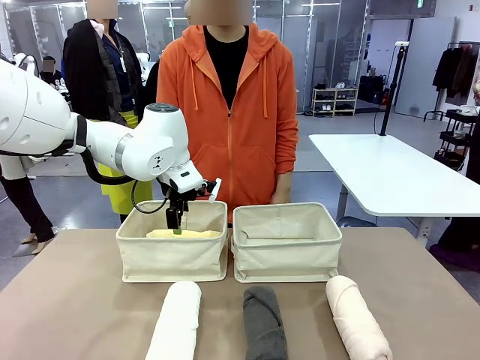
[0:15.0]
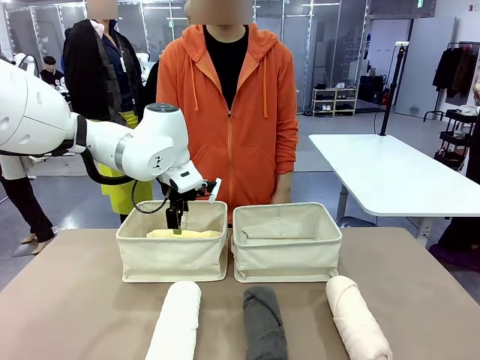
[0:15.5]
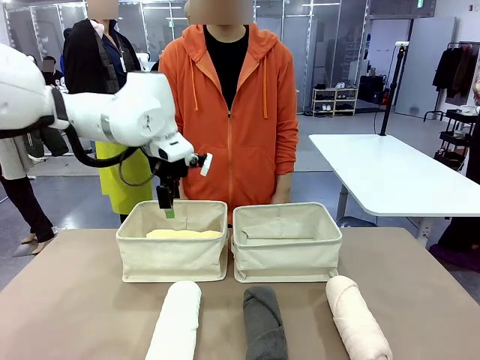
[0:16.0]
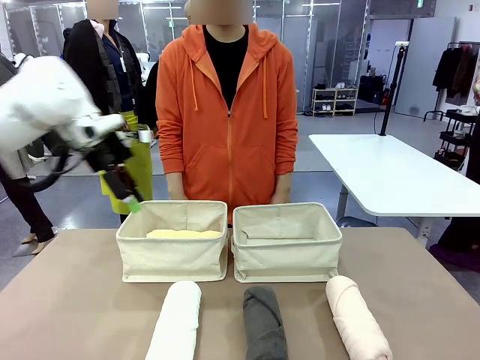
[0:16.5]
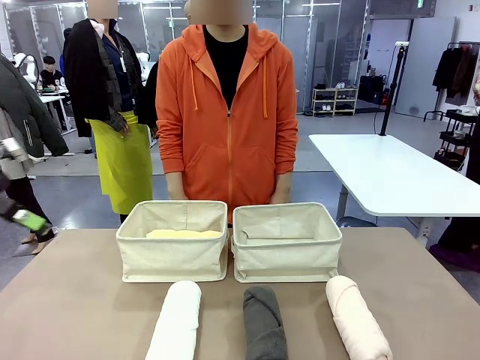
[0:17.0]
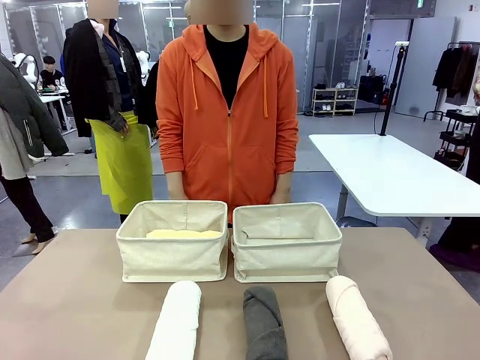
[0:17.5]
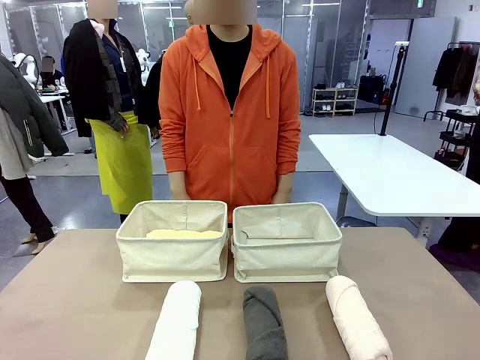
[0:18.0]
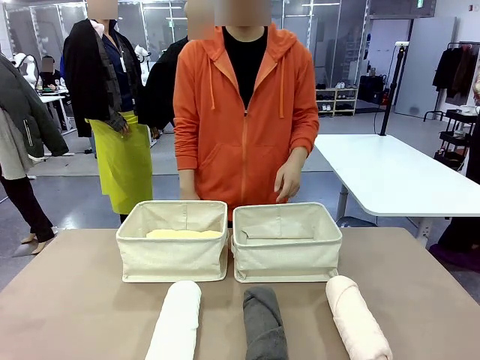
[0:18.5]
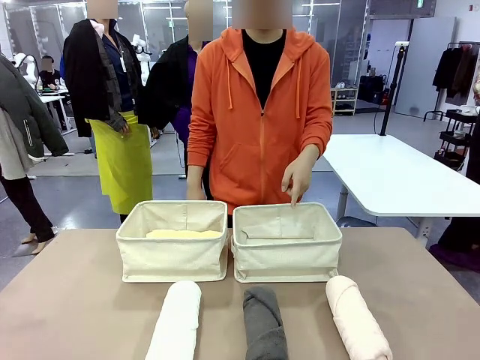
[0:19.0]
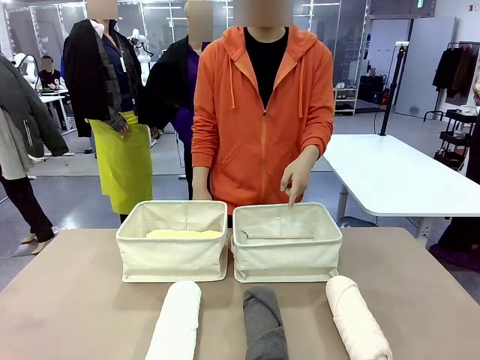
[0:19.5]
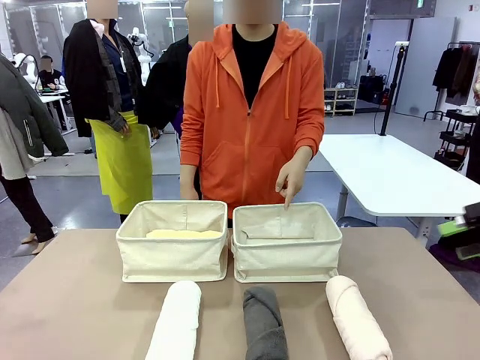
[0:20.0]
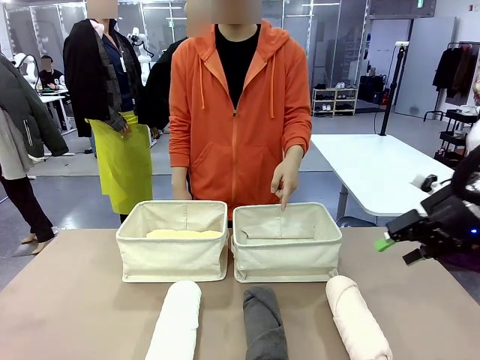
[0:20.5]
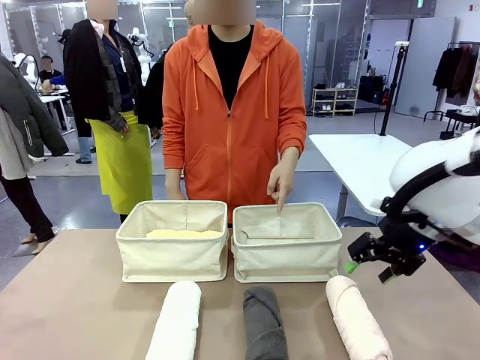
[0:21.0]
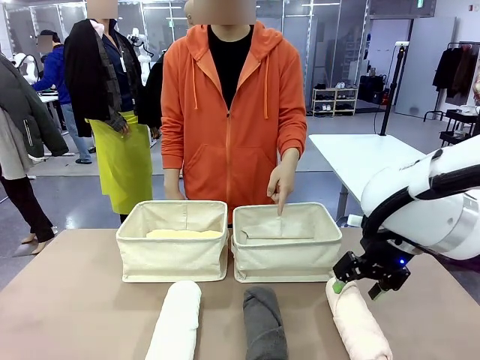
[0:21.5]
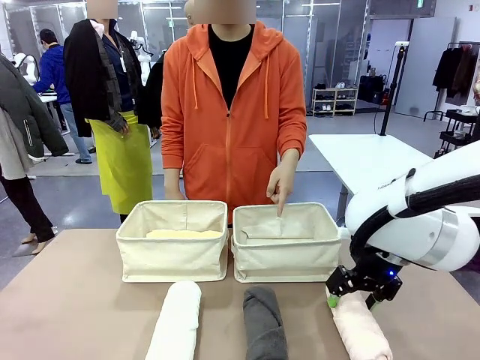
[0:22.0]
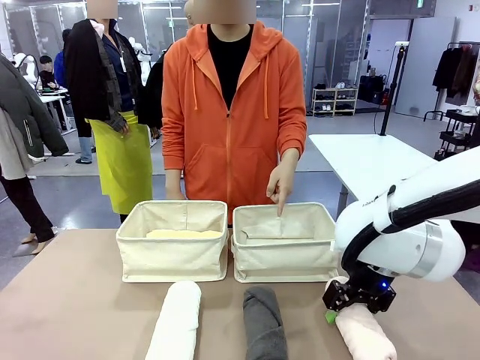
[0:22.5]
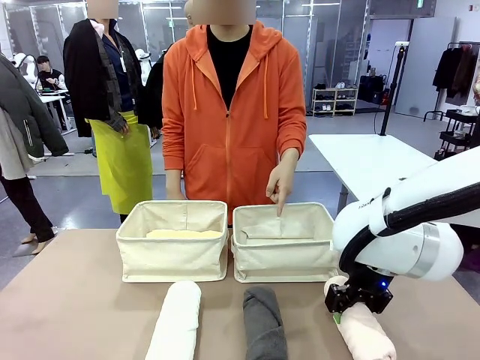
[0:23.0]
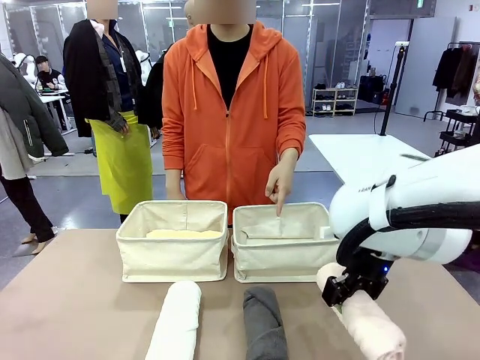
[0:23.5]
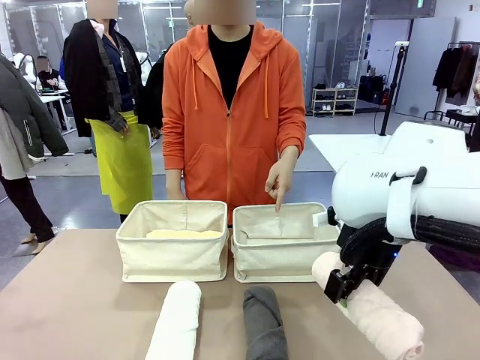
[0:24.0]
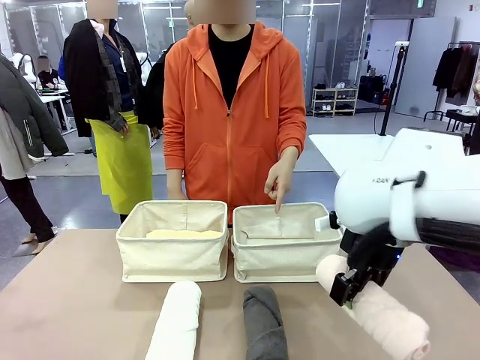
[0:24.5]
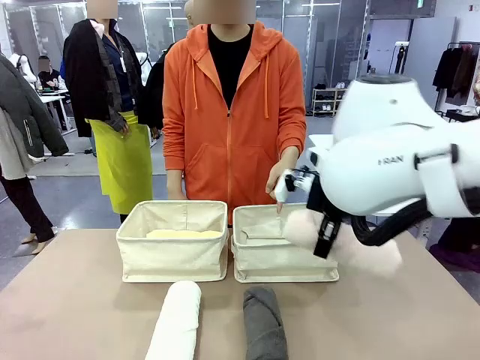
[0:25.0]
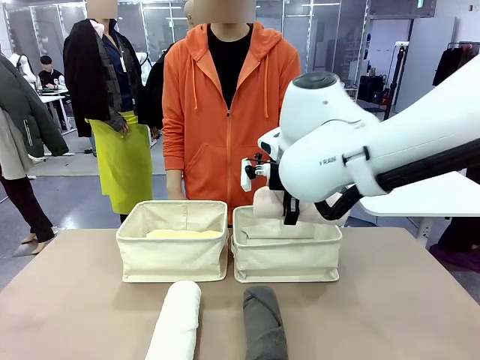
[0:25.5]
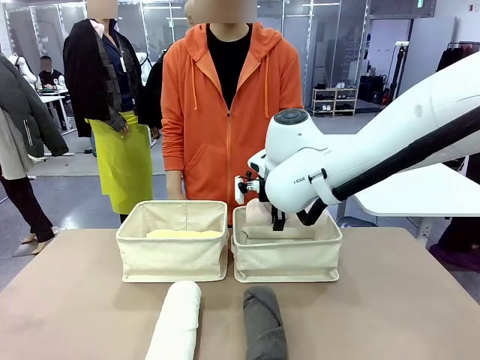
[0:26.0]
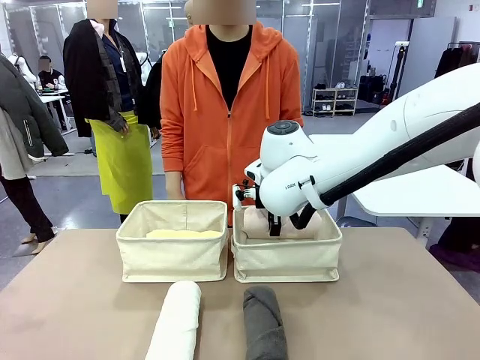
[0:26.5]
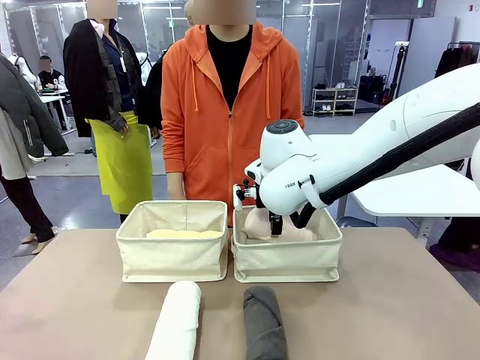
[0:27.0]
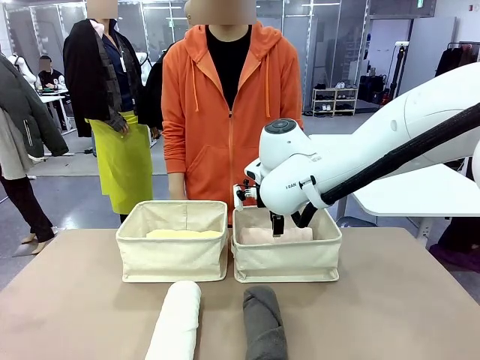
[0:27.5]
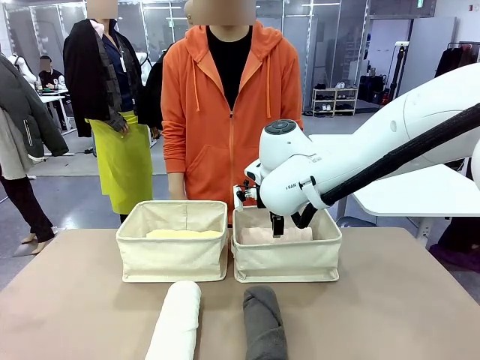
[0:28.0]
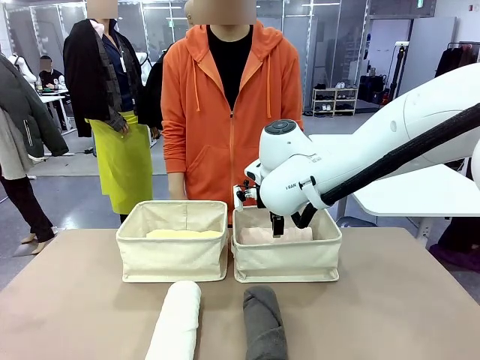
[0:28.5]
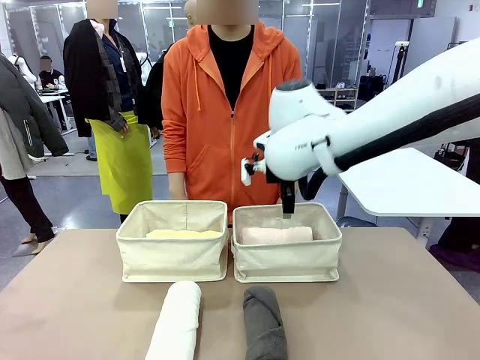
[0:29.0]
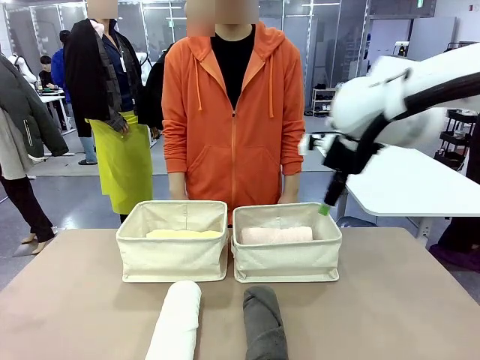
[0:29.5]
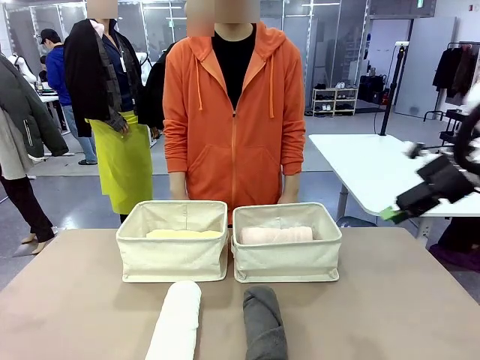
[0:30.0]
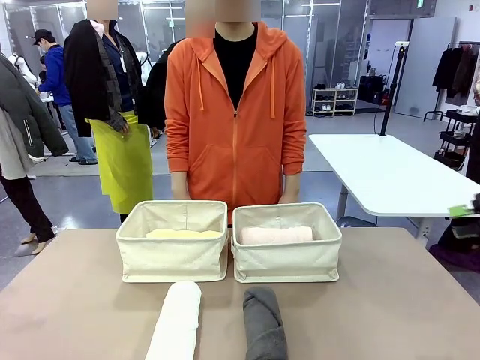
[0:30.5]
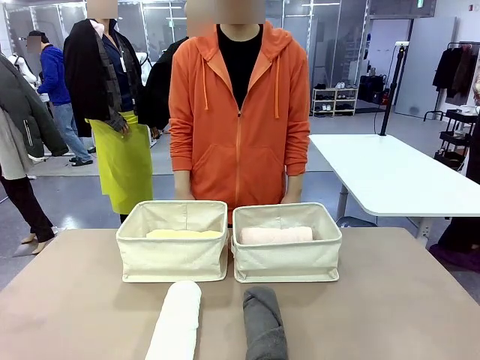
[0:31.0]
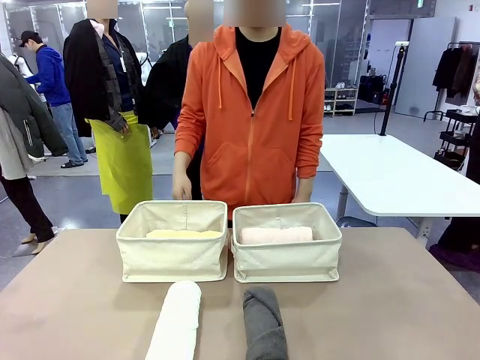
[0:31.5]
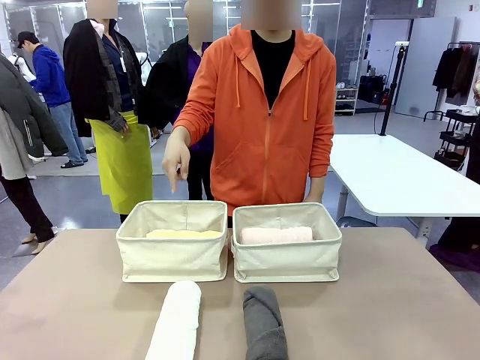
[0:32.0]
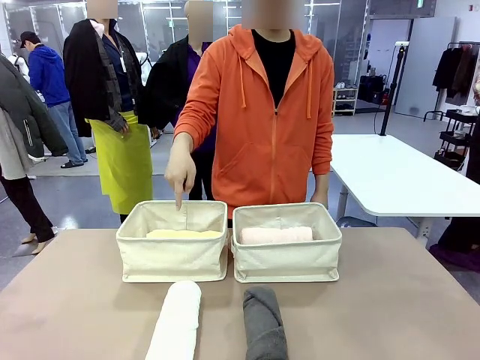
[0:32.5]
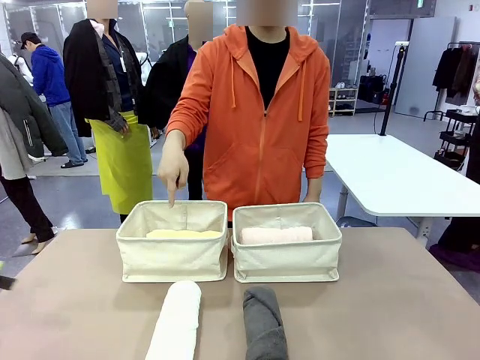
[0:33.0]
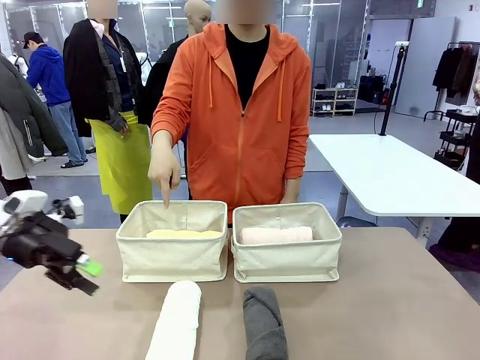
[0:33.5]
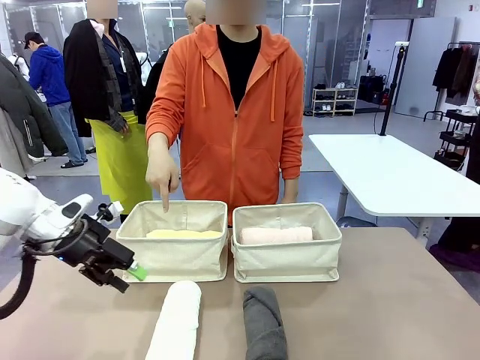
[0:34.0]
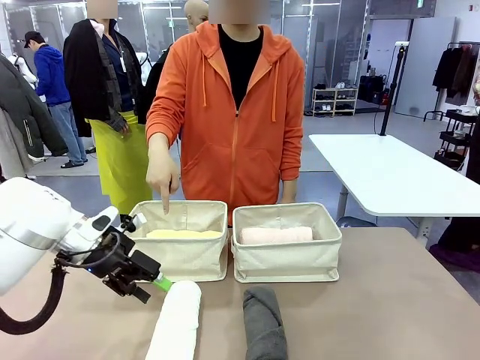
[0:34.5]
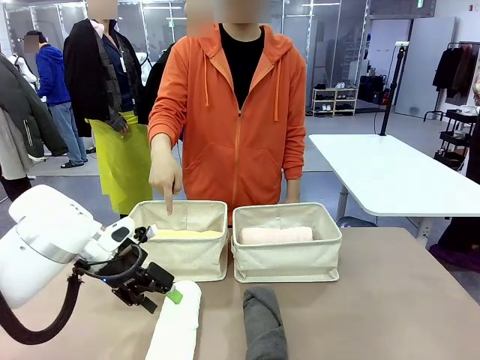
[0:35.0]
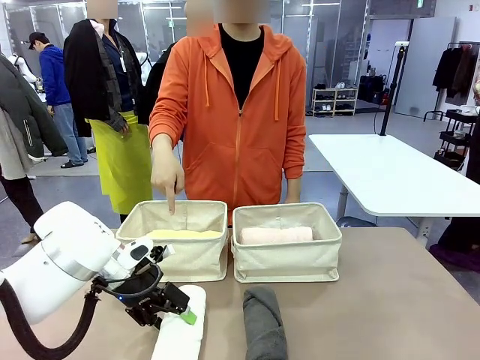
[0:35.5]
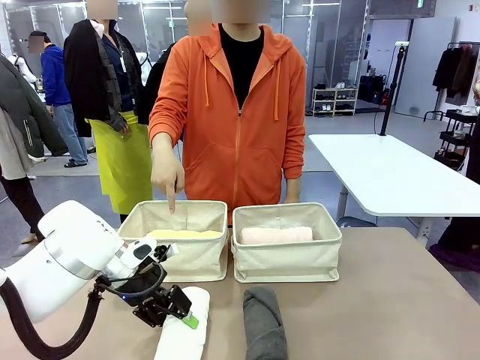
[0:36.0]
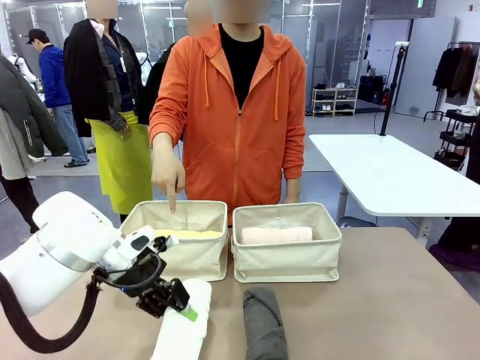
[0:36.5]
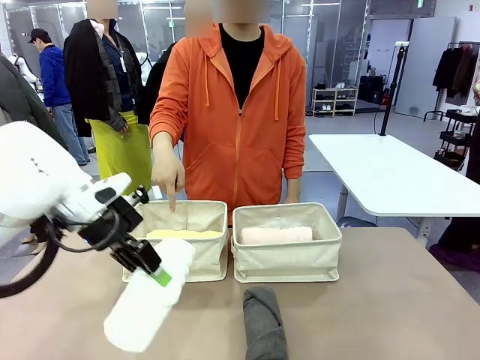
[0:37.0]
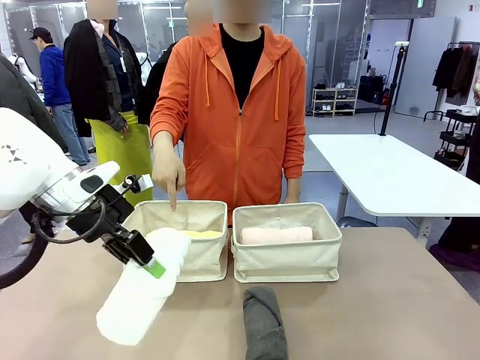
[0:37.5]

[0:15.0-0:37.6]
Task: Divide the towels into two baskets.
Robot: Pick up one hotel-folded towel from the bottom of the table and place it in the Fabric basket indicated by the person.
